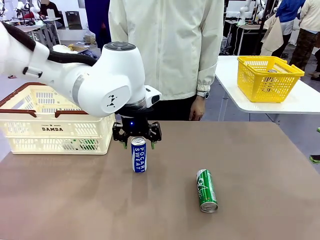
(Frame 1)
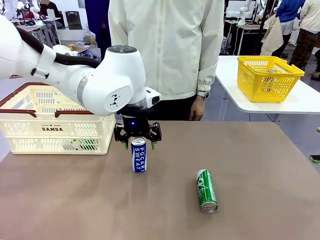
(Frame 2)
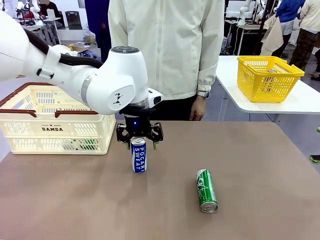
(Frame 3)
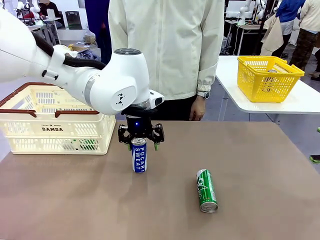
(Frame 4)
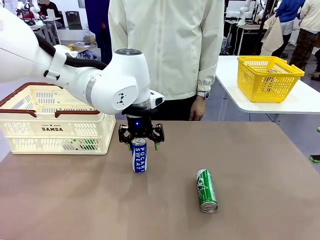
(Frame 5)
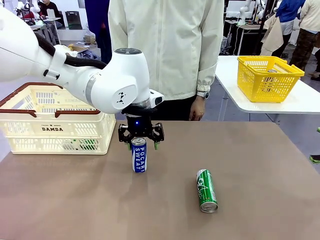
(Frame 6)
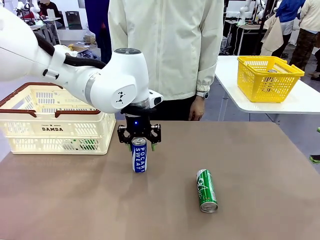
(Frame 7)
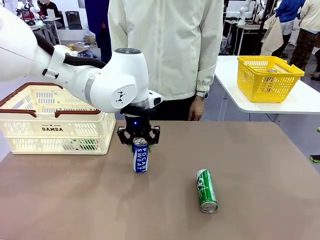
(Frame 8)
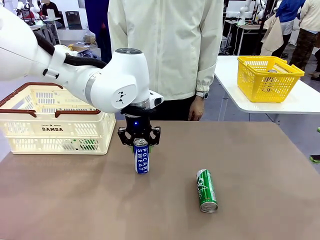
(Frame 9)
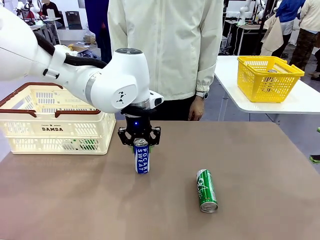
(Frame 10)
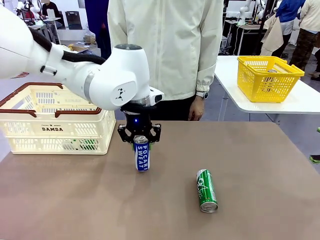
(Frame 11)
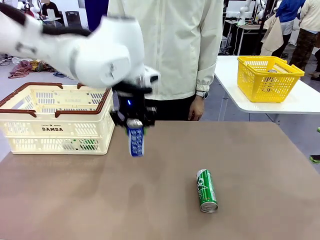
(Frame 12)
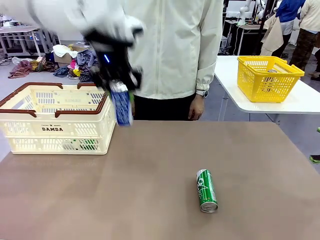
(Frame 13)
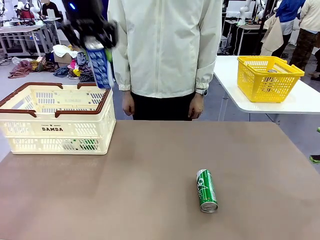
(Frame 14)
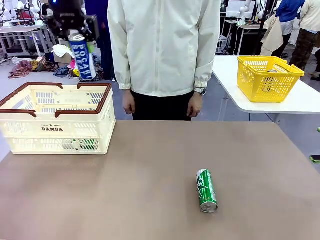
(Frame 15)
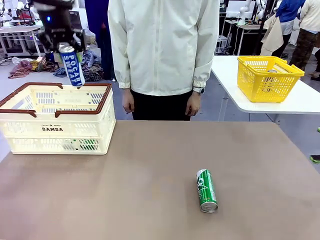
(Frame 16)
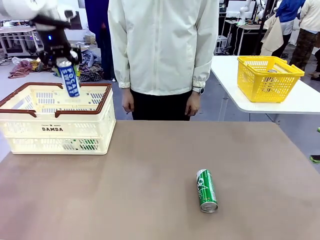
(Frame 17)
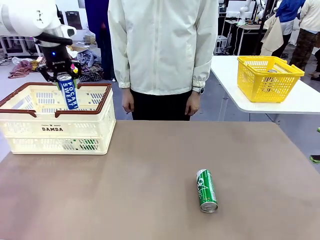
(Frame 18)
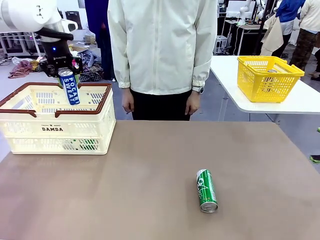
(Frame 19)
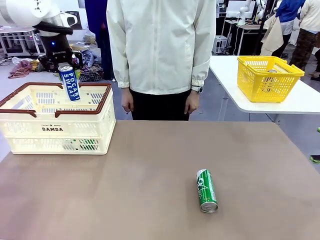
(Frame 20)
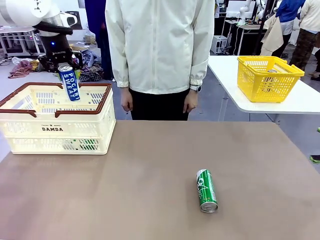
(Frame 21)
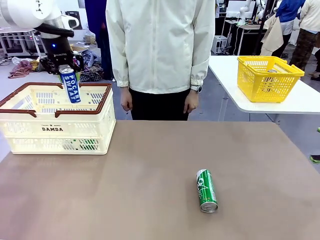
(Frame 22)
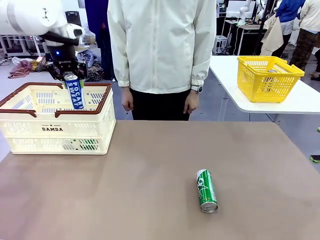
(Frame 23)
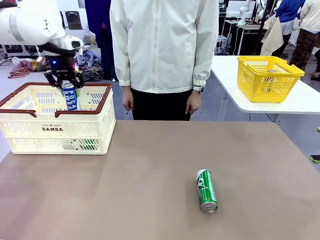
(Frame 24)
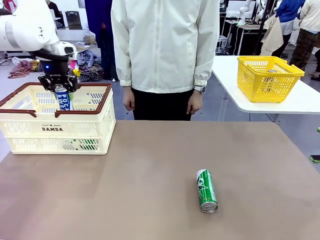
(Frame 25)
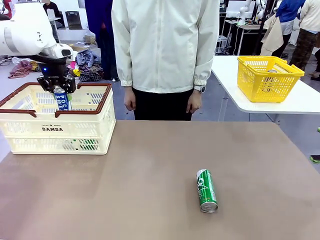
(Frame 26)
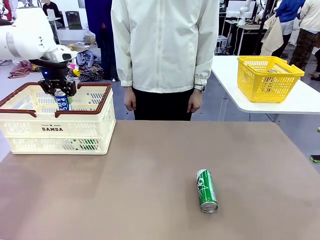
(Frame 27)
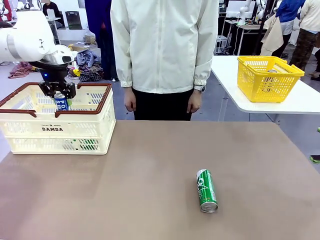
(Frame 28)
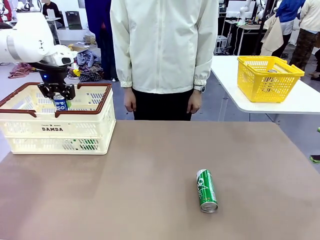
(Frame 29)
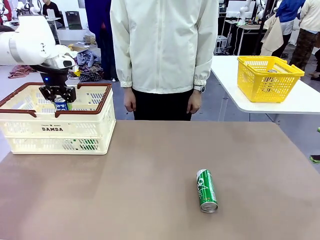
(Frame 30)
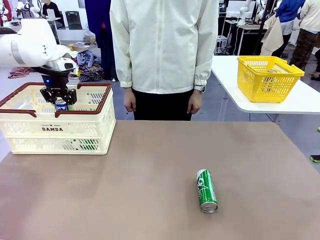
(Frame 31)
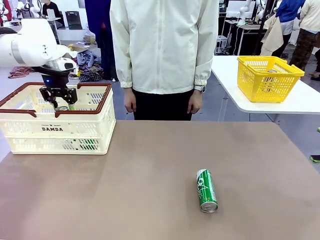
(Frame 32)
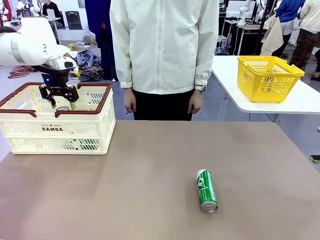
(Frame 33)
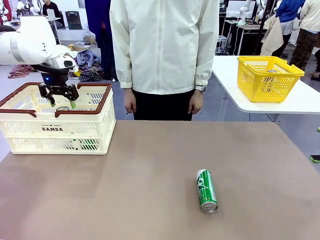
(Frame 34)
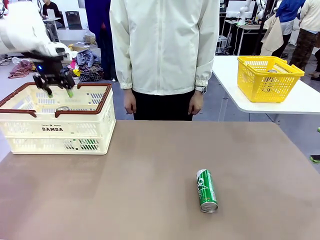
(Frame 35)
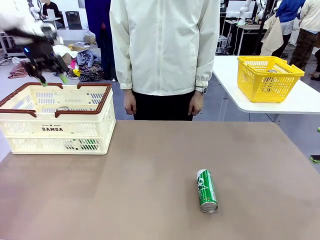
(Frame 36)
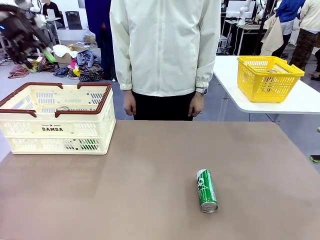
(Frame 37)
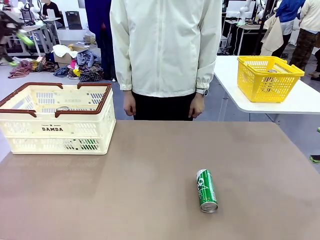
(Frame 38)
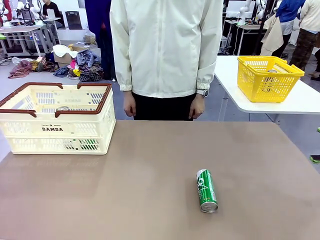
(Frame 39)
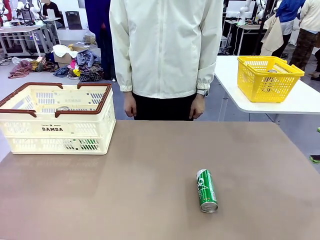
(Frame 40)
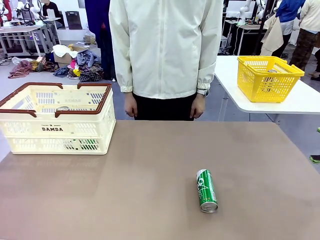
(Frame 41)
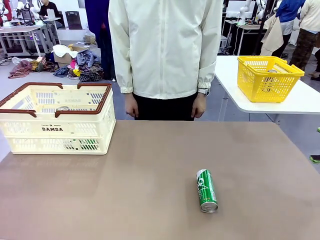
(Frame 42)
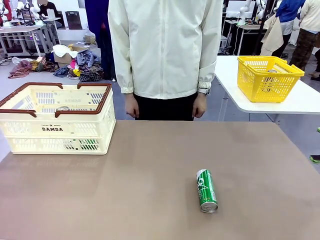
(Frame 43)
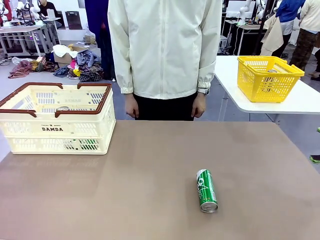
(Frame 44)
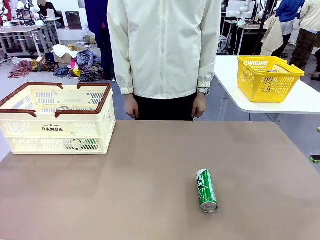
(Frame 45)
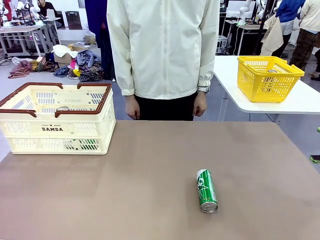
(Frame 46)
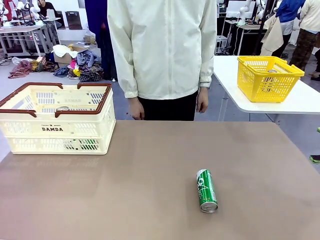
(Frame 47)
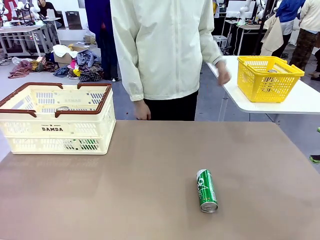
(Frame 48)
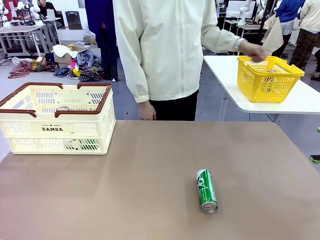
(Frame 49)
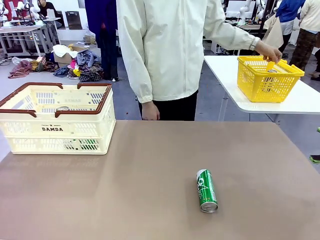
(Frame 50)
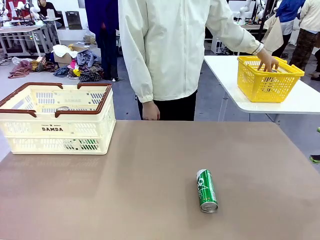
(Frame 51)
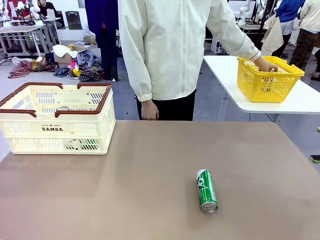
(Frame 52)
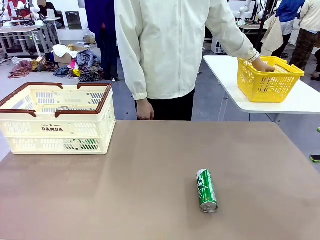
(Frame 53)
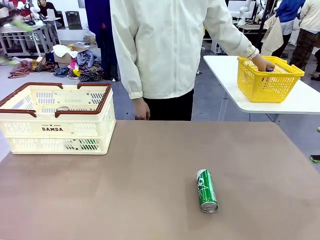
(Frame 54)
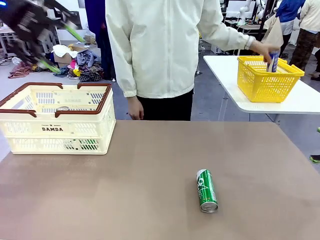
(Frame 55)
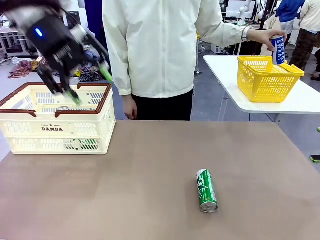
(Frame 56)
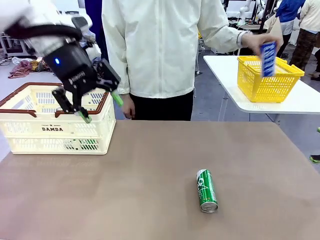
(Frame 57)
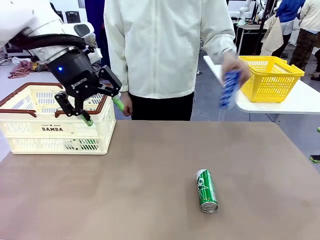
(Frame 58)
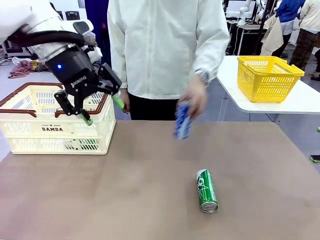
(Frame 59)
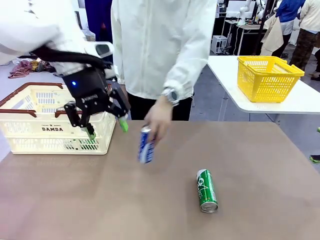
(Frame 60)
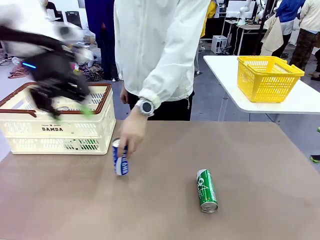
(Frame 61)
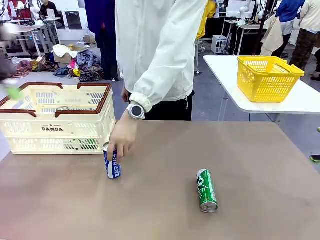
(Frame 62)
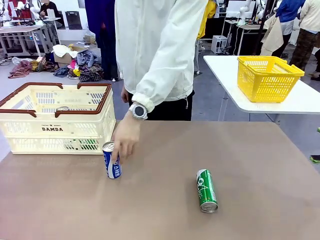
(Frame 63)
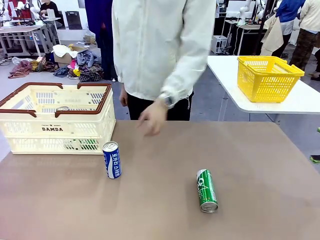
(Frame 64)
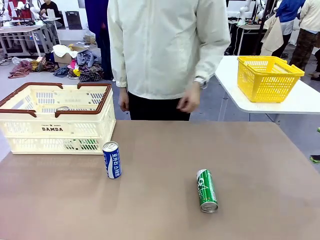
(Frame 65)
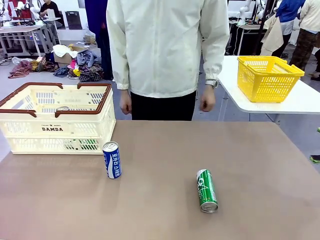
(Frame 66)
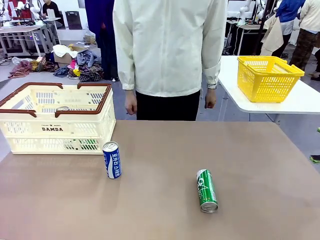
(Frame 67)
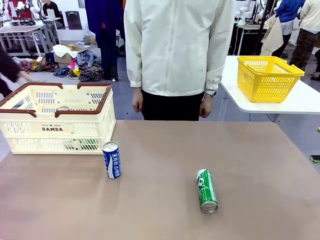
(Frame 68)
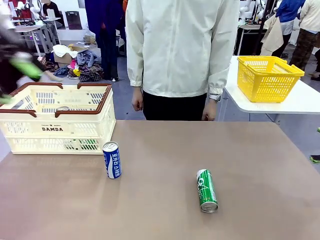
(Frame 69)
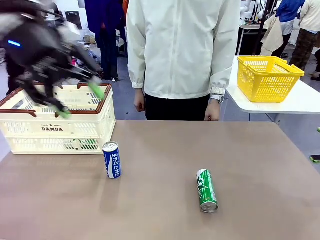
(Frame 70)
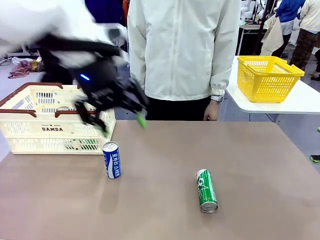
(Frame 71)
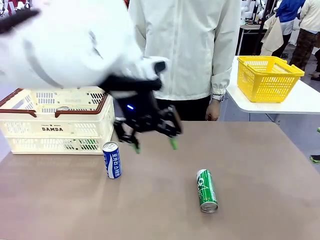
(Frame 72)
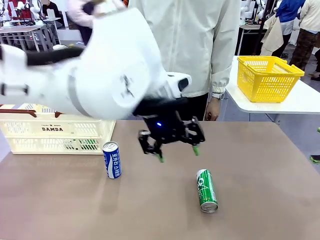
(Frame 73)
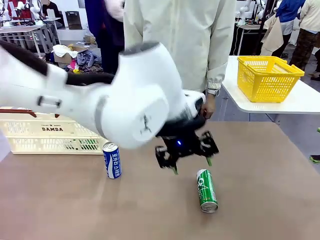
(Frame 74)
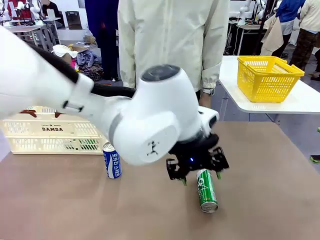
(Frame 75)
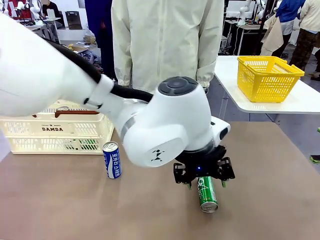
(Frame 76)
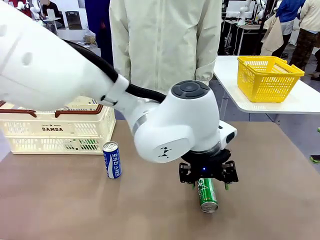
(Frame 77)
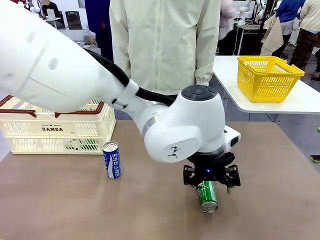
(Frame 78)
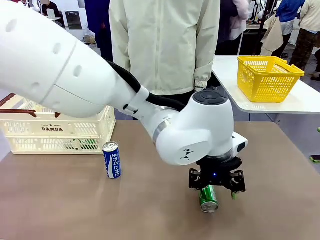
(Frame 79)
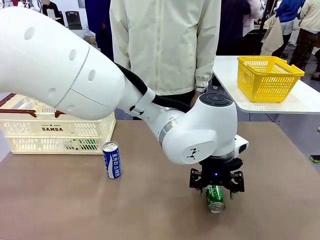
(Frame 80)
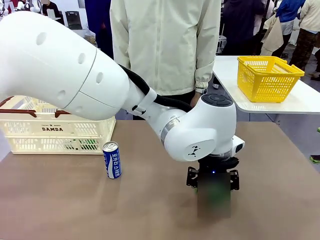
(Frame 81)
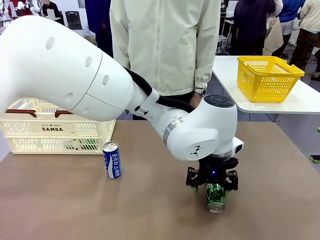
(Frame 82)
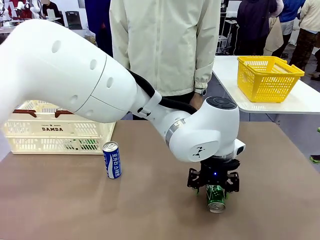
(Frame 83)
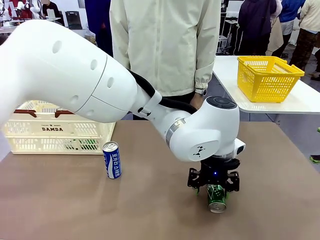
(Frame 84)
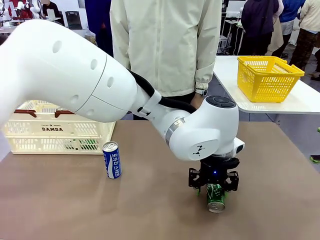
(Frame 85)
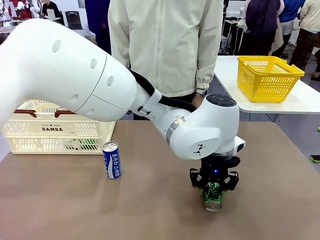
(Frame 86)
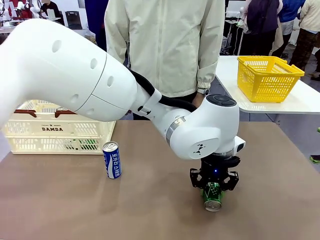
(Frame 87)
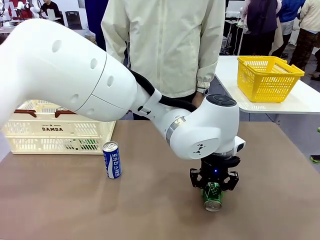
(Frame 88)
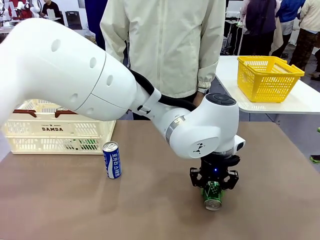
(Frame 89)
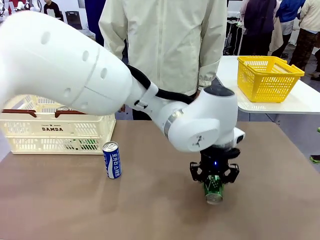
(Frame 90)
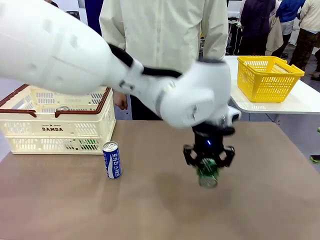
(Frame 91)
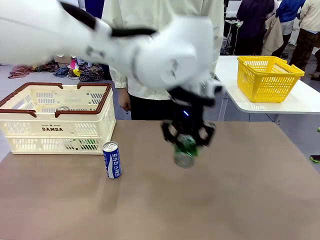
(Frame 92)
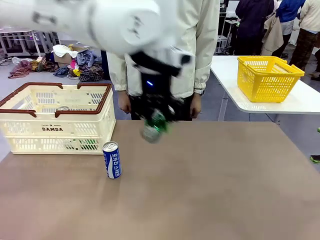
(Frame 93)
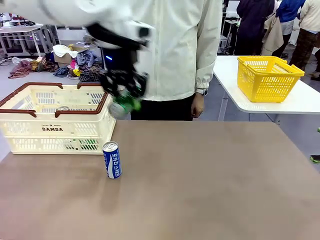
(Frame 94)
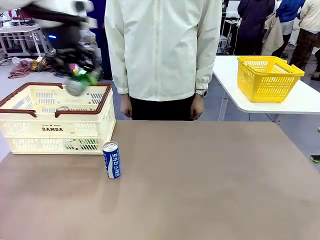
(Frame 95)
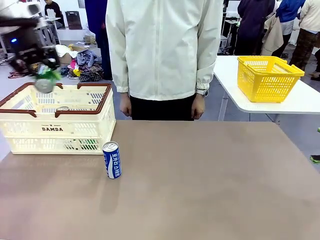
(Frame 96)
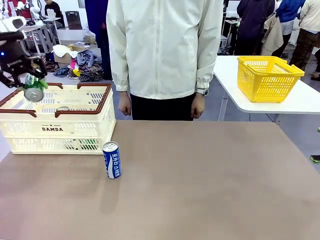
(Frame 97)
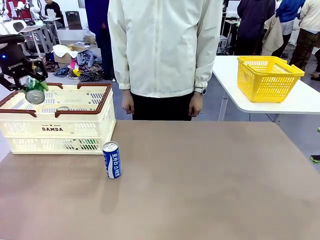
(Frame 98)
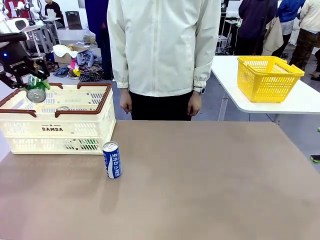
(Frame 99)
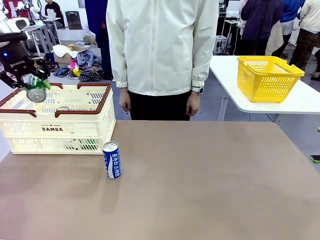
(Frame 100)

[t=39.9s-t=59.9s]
Task: Place the drinks into the Shopping basket.
Robot: Pick up one drink and place it into the Shopping basket.
